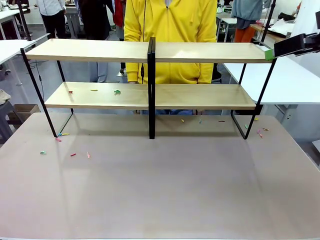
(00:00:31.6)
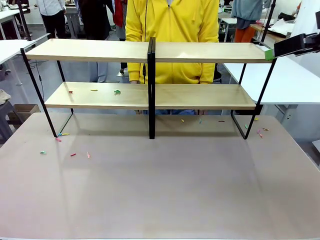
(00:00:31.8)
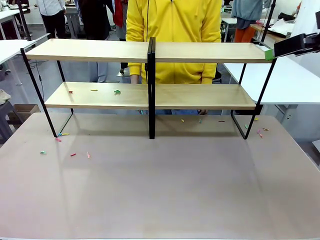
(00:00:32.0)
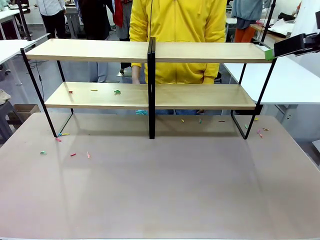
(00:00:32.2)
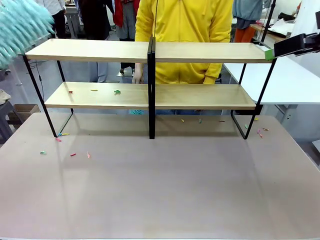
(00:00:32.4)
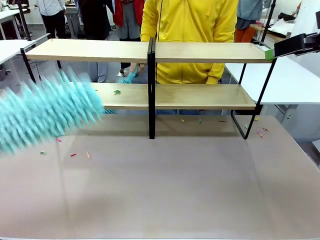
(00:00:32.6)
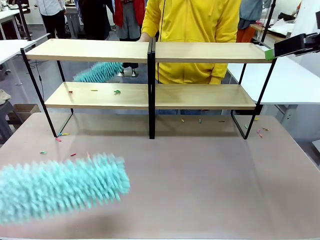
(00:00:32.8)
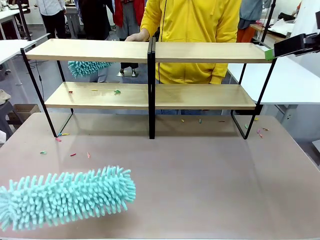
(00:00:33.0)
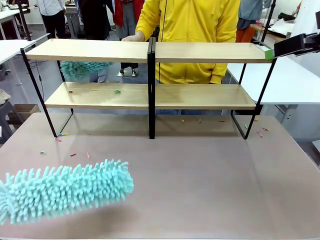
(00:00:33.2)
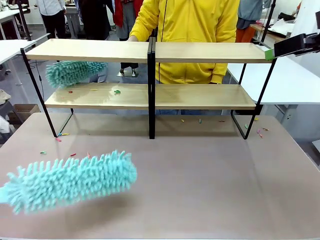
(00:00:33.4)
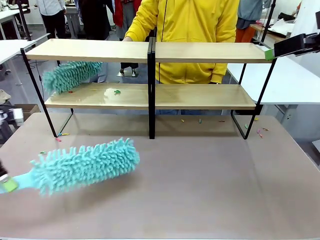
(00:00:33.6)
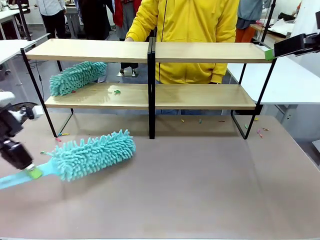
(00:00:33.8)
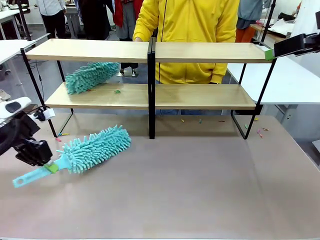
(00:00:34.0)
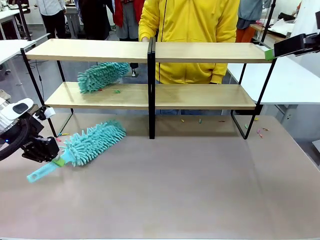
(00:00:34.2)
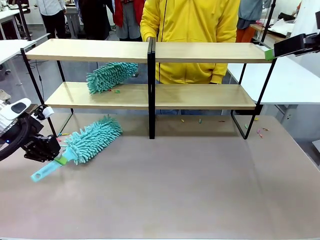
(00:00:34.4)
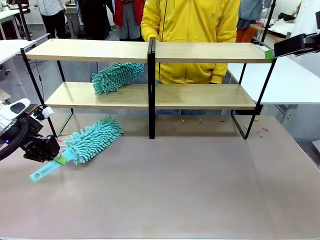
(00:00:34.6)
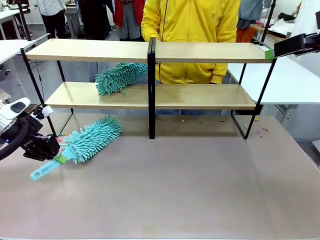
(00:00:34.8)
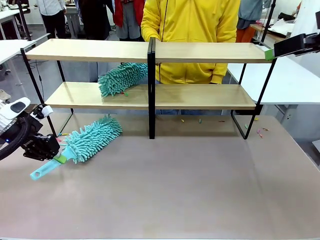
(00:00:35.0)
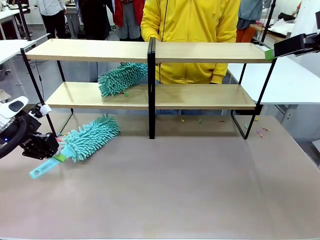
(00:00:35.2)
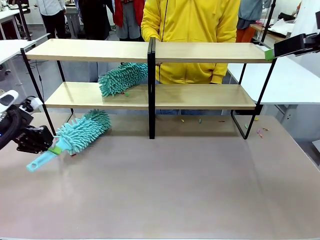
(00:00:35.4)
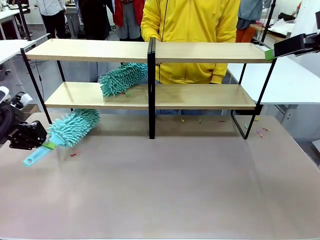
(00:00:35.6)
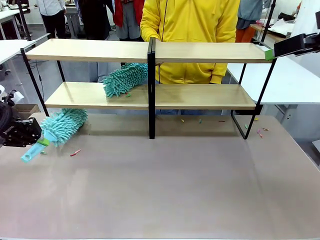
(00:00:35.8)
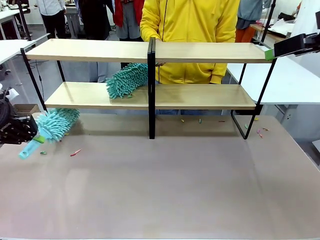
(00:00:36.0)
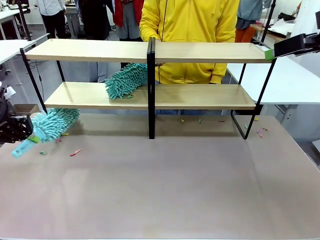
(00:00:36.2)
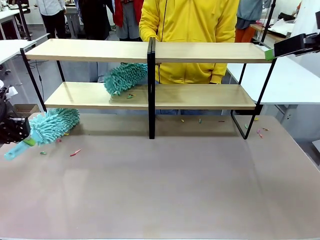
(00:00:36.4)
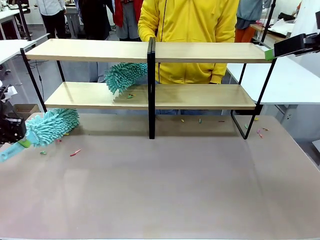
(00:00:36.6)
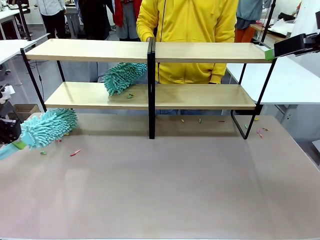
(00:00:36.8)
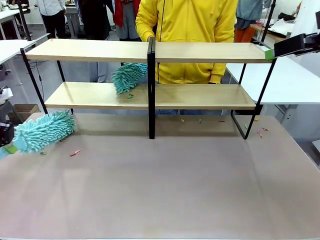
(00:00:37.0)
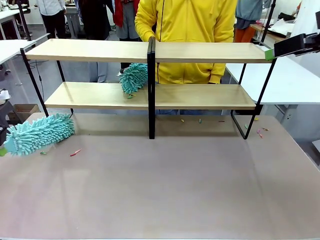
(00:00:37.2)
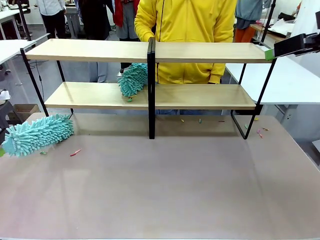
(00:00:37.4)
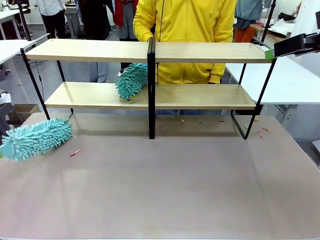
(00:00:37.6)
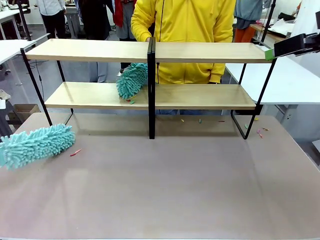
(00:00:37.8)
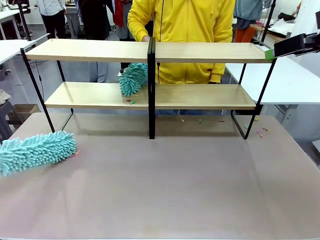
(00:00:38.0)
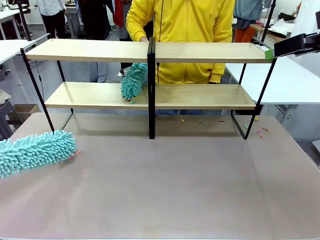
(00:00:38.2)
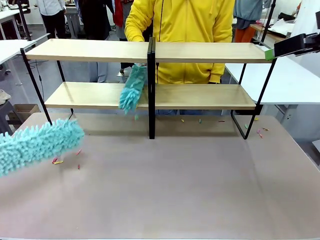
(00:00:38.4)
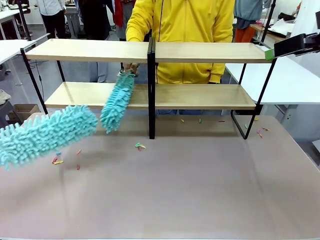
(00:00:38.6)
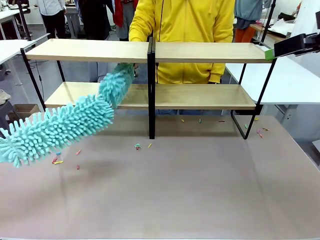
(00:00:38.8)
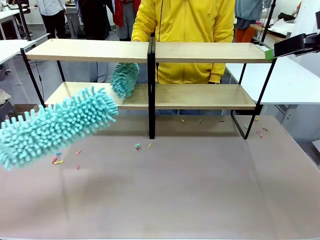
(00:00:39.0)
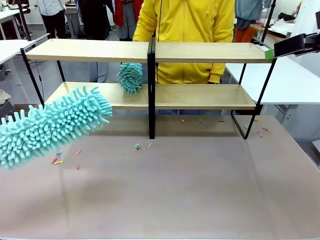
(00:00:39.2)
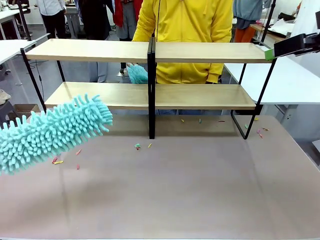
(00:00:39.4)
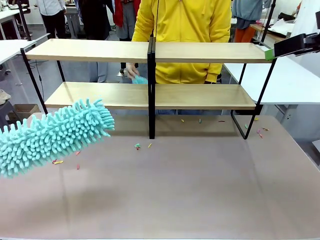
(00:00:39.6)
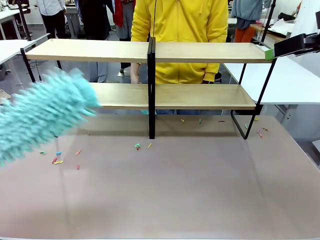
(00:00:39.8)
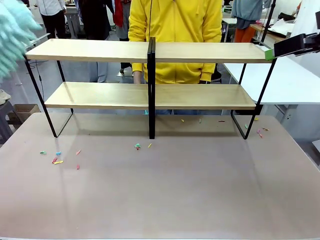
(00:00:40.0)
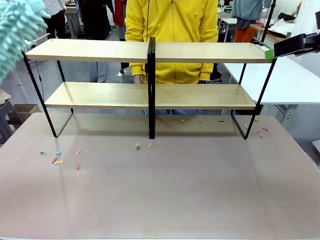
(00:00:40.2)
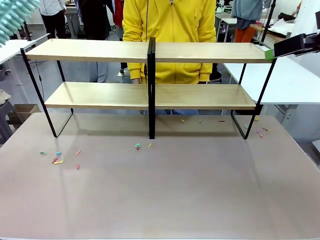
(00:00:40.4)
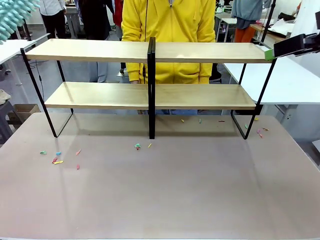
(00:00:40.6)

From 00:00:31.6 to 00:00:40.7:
Task: Clean the shelves.
Robot: Clean another randomly selected level of the Shelf with the Duster.

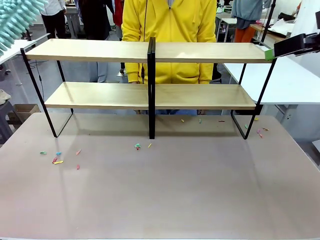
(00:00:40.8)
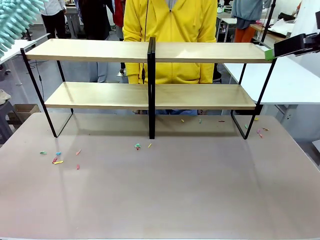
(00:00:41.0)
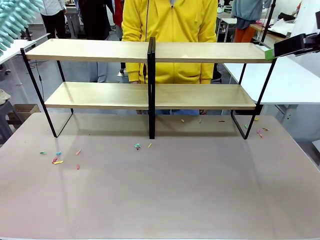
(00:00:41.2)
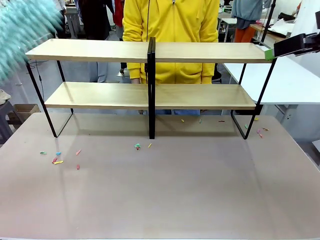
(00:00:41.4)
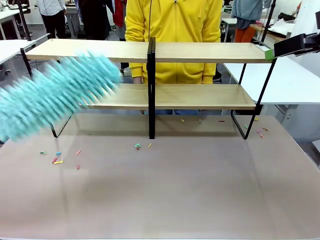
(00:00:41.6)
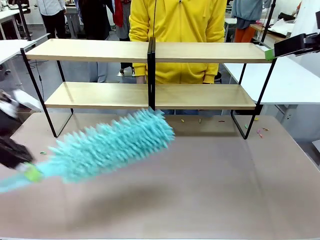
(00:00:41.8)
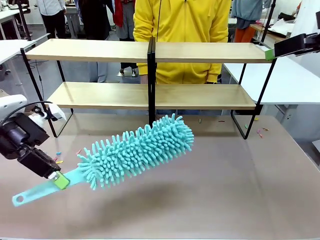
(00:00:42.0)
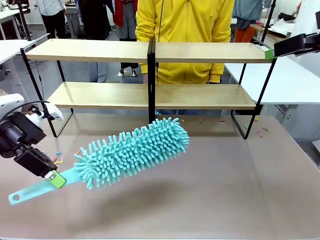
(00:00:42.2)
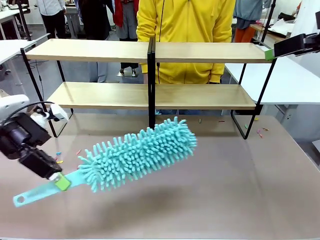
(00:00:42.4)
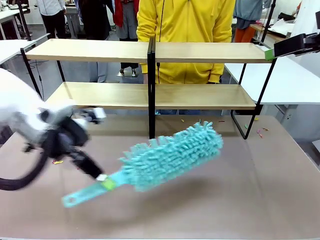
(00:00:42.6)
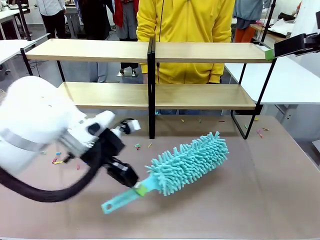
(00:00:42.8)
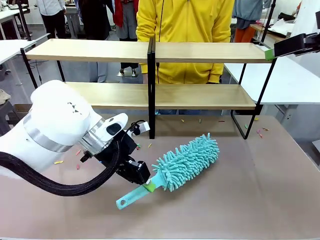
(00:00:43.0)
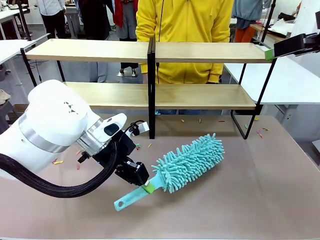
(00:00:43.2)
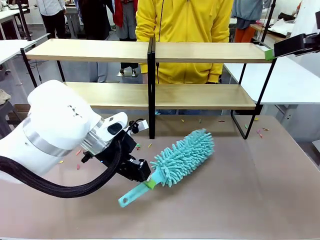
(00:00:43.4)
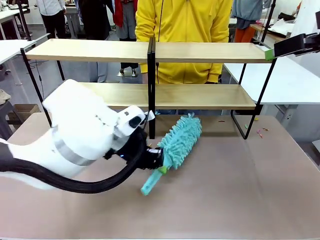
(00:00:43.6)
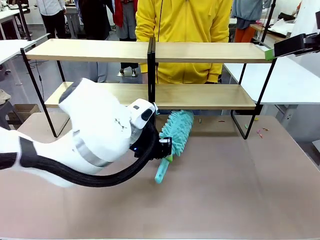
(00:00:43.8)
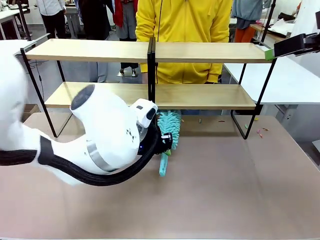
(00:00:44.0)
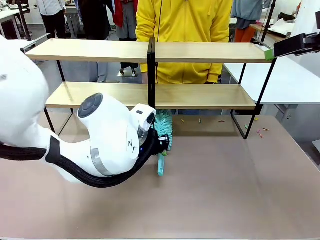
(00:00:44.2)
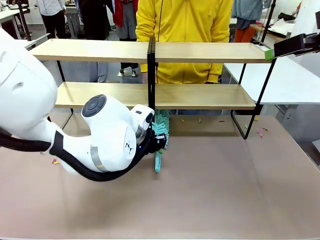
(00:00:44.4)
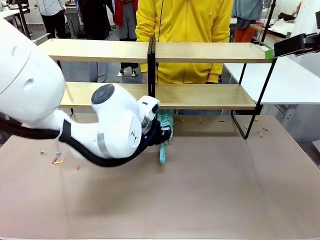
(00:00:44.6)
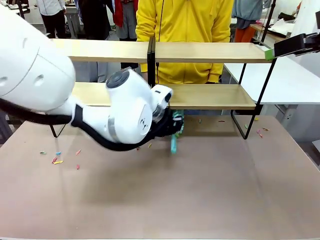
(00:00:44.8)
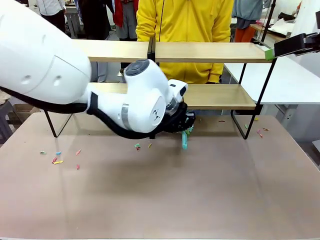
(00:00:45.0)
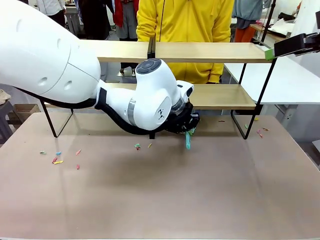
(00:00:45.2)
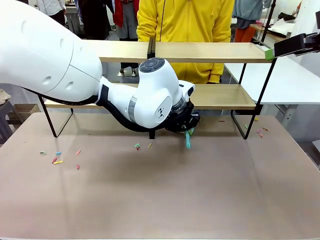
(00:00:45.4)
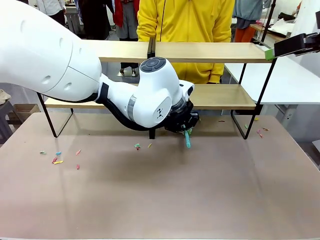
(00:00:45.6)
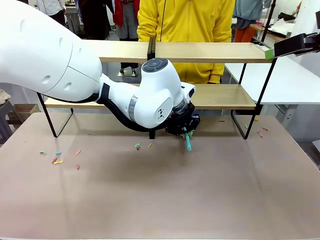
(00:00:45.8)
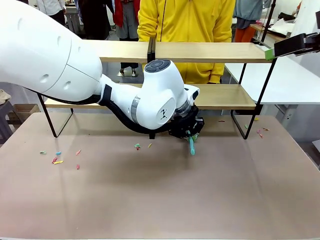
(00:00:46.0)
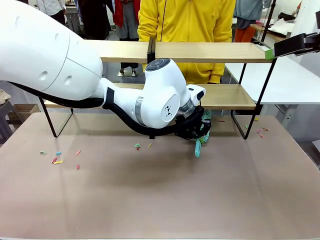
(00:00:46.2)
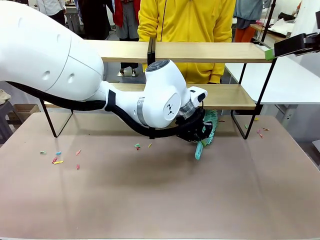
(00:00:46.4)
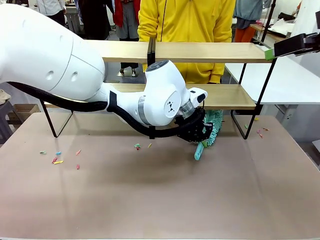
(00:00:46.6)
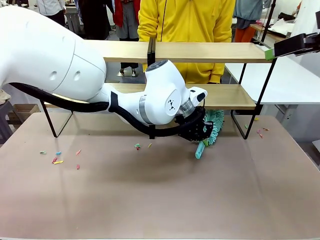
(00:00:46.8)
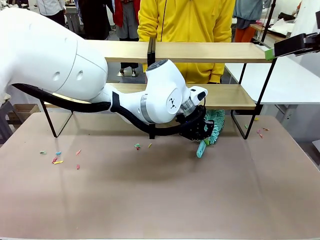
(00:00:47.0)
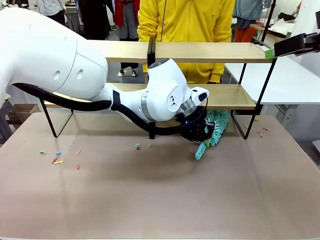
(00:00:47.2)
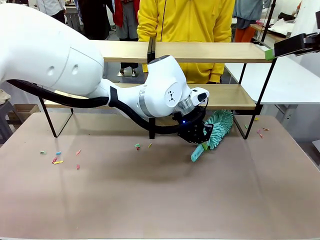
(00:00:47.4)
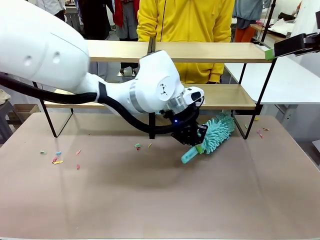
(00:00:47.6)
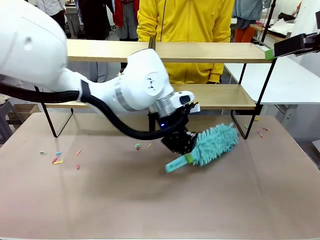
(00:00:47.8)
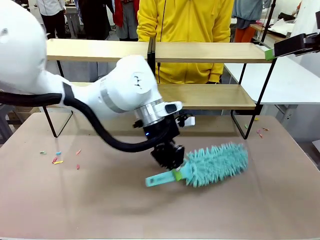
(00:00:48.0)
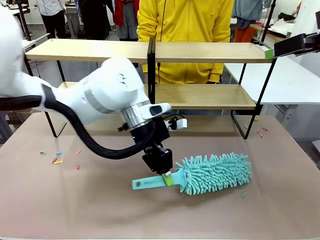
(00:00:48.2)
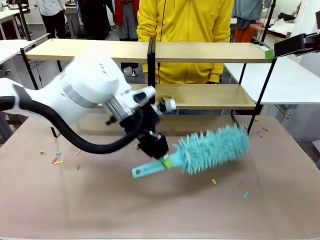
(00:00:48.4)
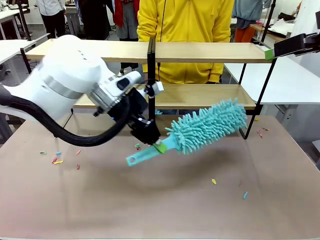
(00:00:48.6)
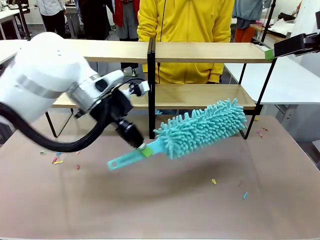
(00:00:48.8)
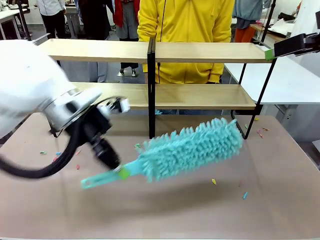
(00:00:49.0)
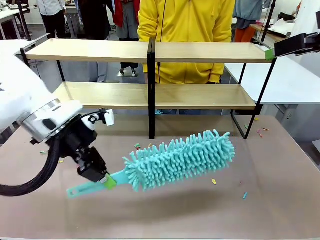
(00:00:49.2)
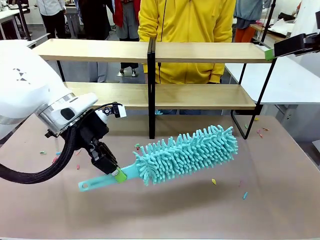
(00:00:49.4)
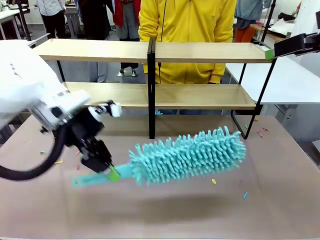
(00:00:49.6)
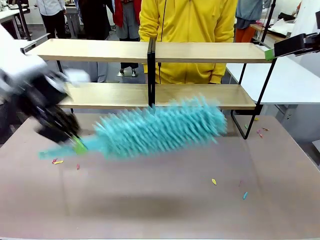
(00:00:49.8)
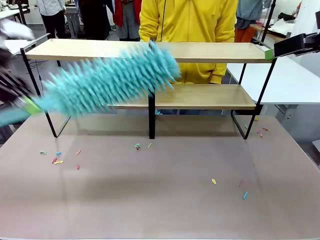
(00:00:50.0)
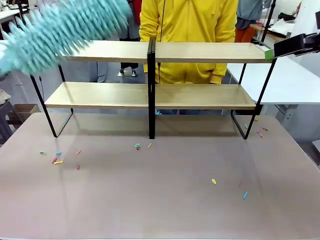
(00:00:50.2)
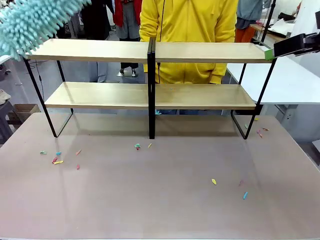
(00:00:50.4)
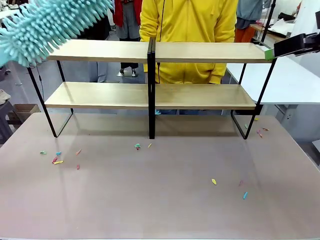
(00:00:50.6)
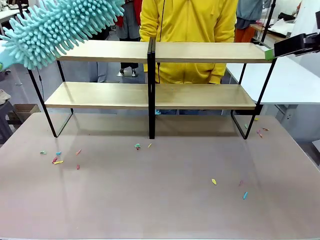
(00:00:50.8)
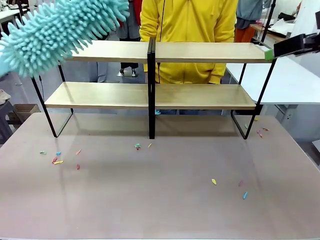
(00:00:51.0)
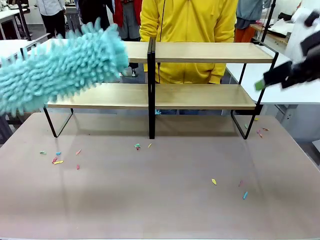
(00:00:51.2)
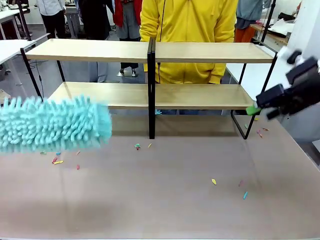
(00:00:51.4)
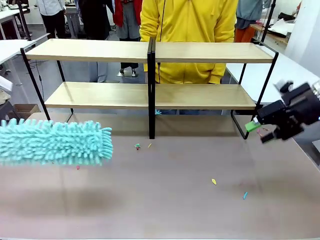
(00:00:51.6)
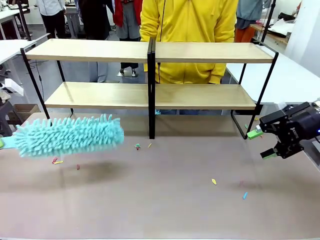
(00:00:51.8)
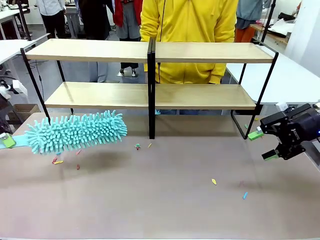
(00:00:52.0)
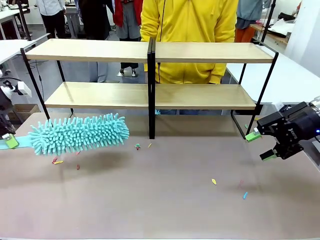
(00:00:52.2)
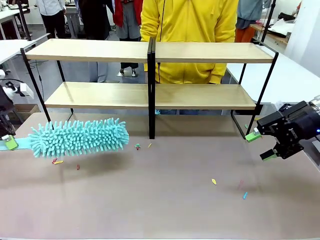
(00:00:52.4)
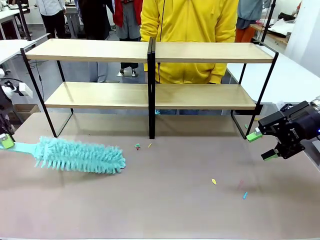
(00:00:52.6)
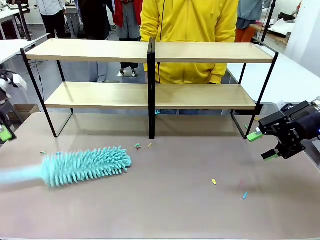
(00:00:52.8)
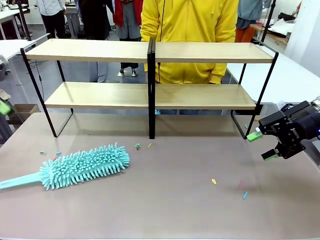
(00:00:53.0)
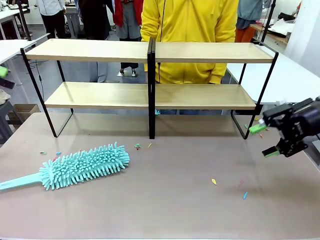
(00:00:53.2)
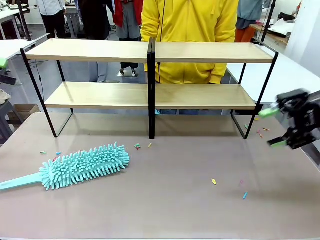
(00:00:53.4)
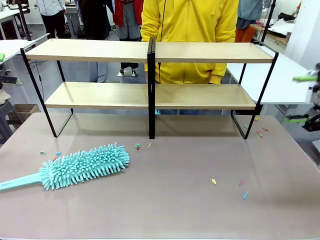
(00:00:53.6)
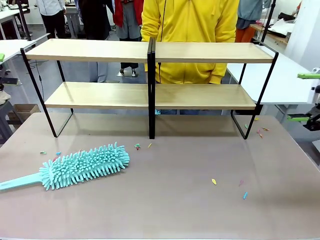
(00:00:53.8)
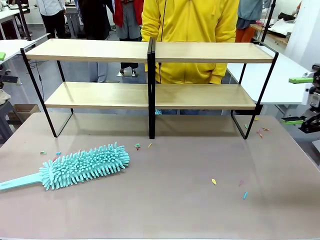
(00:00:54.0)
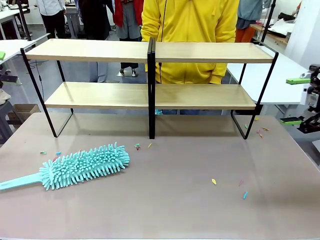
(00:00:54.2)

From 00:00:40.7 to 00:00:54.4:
Robot: Place the Duster on the table.
